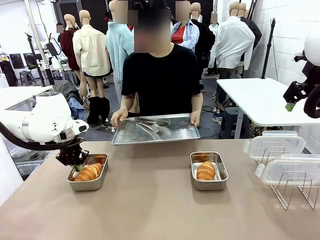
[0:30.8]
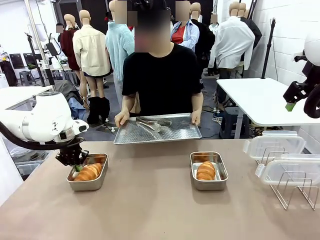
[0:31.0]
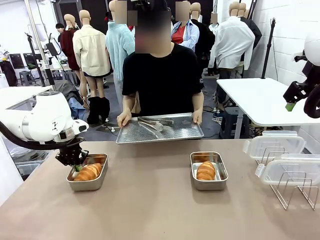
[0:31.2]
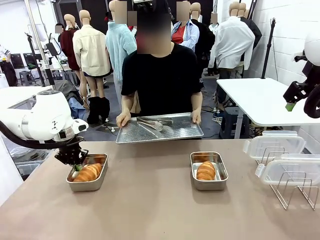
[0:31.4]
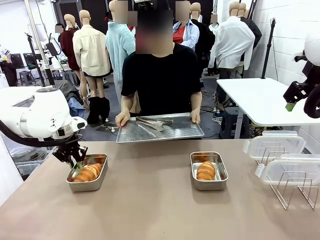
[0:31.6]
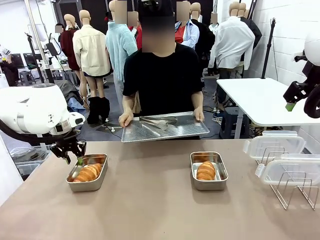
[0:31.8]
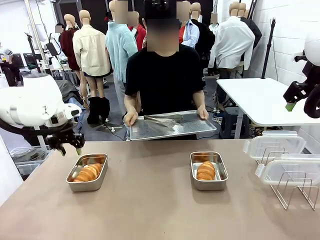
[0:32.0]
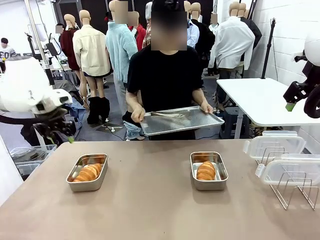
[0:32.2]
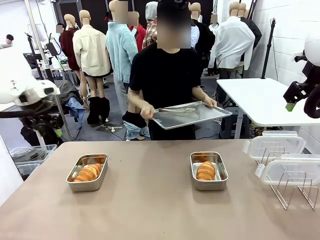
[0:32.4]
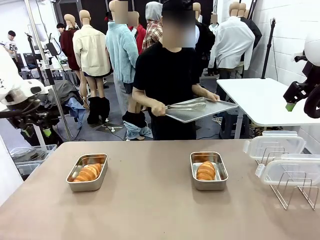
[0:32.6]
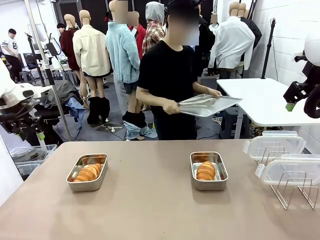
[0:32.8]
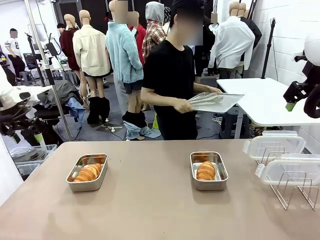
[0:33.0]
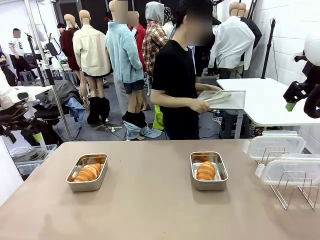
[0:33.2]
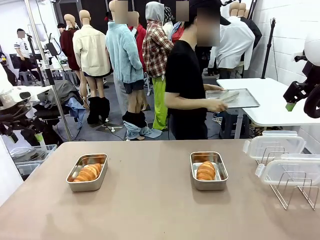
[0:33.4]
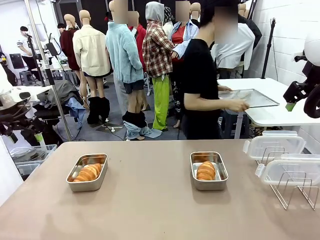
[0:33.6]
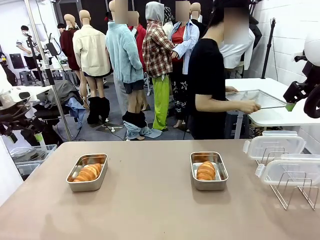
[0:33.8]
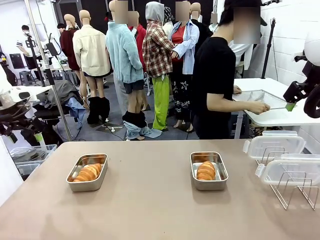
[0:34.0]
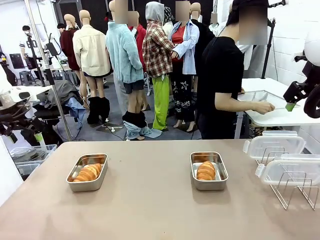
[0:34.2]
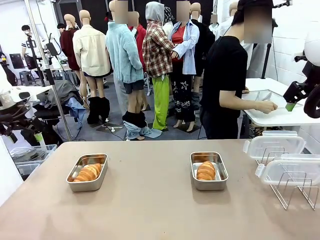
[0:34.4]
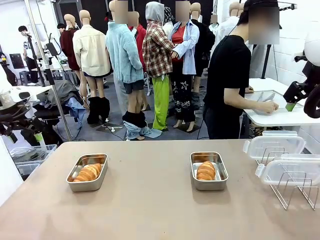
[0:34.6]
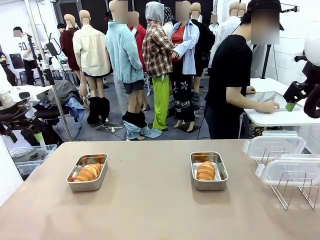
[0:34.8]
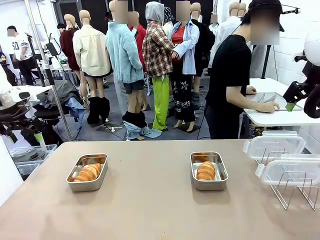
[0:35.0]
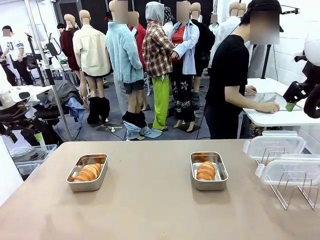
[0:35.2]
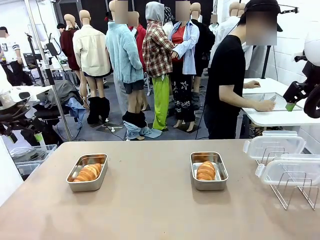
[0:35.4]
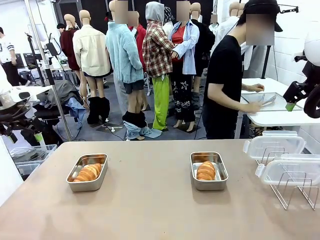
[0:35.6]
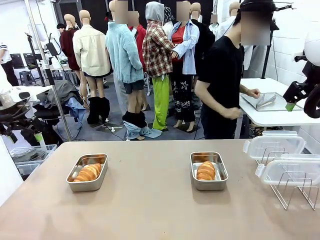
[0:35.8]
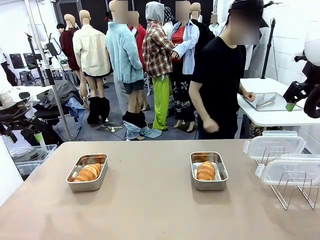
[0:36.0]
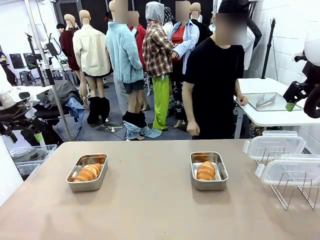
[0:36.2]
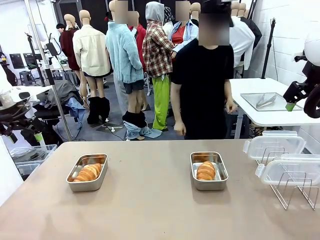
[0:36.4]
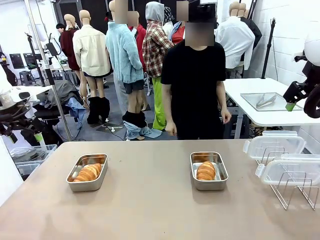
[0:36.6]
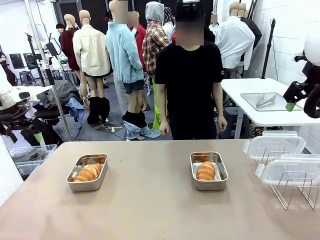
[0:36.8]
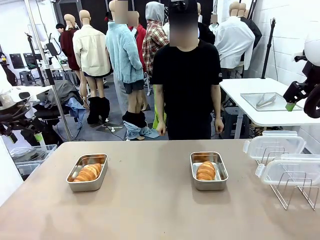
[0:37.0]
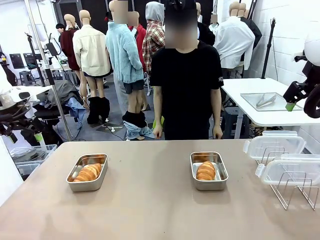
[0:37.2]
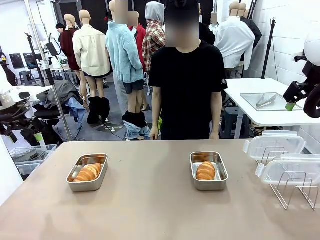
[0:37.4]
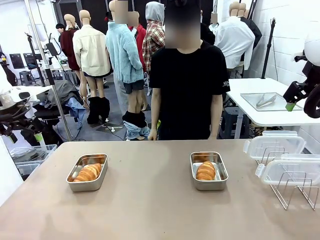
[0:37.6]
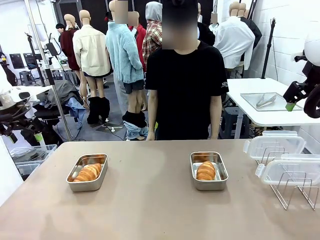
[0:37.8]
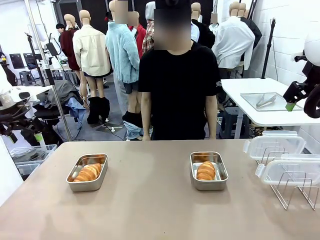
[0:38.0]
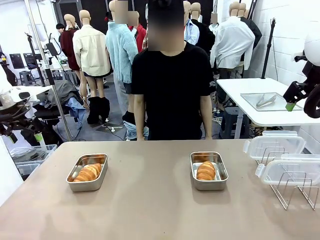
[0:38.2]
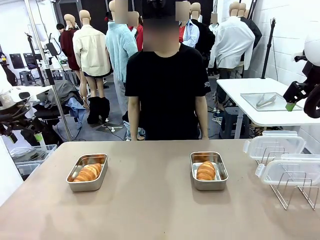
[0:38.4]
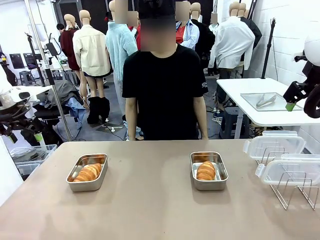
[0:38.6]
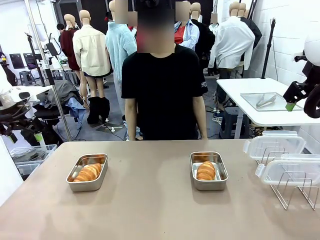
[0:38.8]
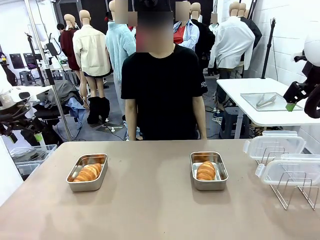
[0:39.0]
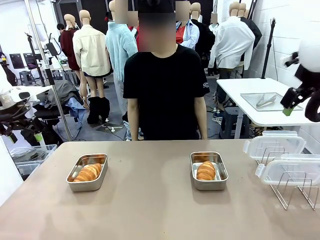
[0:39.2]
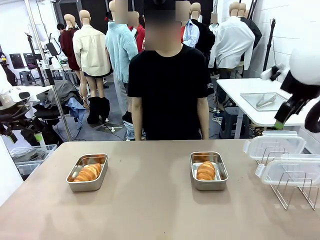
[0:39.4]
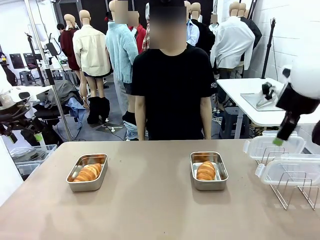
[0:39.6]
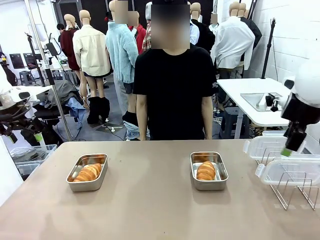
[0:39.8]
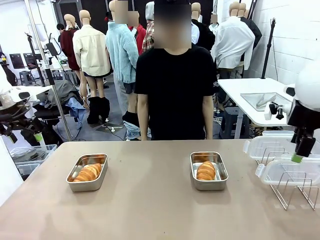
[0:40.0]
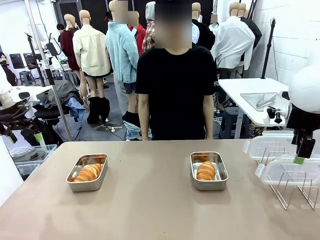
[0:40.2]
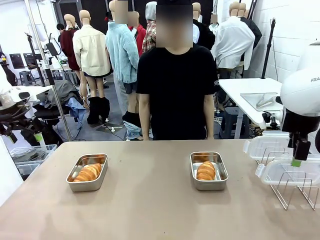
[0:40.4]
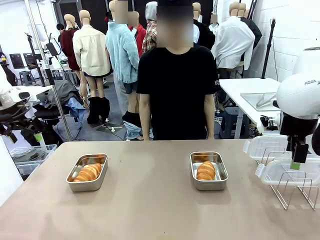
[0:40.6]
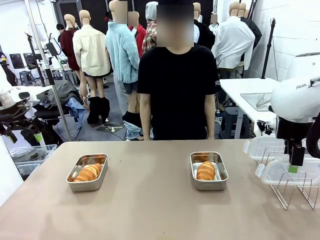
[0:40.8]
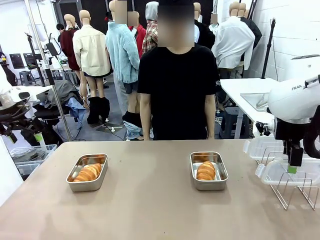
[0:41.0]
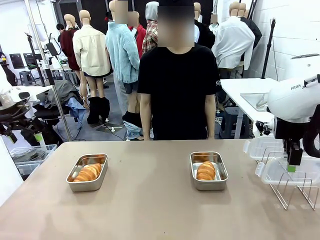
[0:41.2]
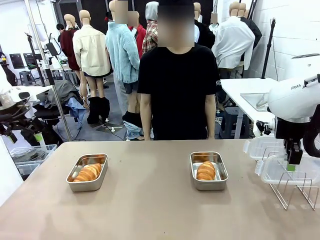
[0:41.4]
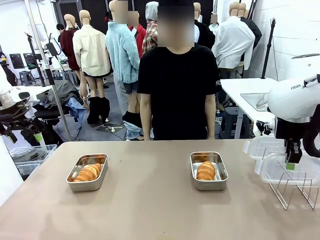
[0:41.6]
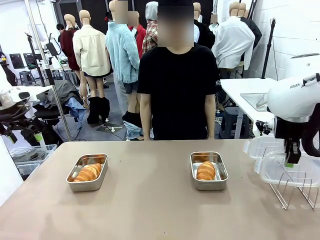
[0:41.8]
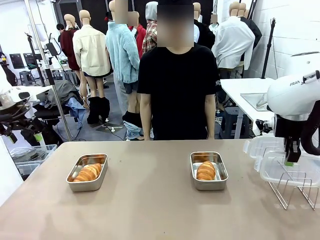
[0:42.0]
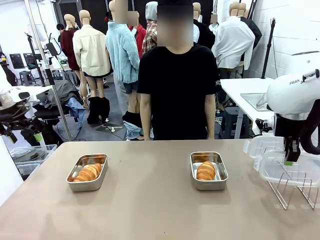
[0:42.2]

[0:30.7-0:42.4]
Task: Place the bread in airtight containers.
Robot: Pick up one Airtight Container lid and hand it to the human.
Person: Place Baking Sheet on the Human's Table.

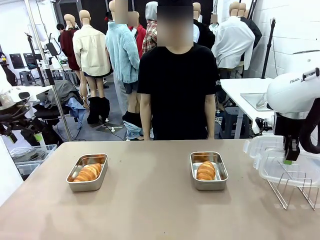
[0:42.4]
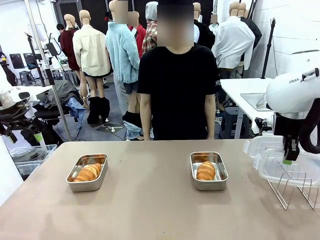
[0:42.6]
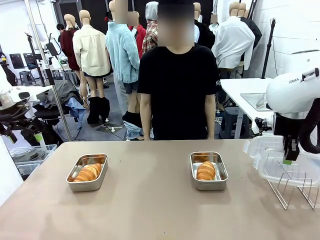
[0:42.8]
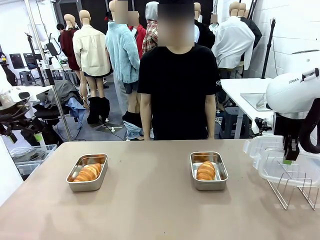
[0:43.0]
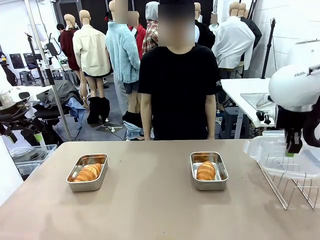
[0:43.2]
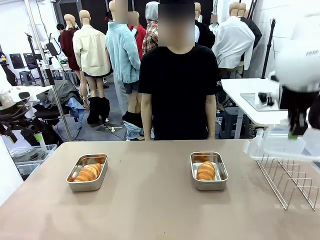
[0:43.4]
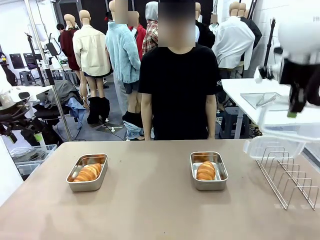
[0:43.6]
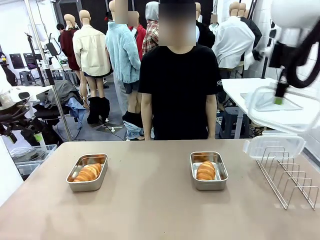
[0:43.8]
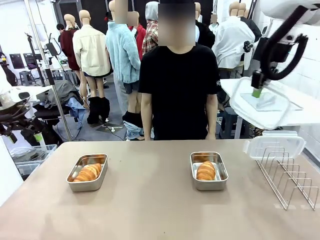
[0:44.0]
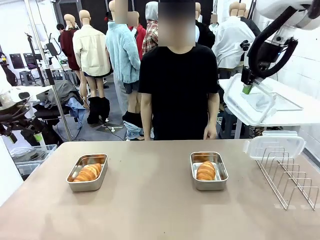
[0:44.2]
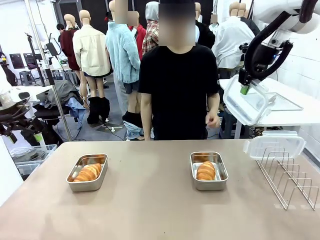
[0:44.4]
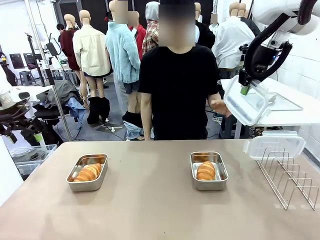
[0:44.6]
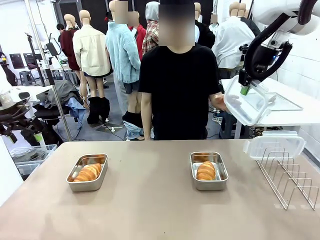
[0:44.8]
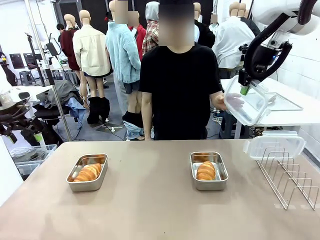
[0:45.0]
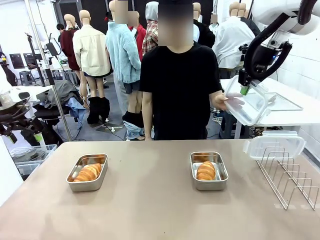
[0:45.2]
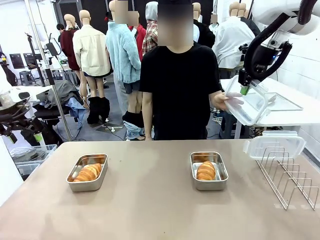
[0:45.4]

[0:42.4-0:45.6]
Robot: Release when the human grabs the Airtight Container lid.
